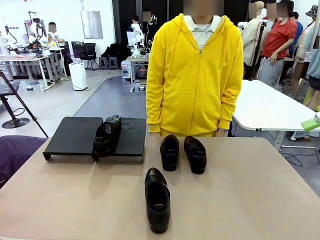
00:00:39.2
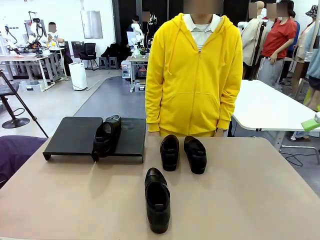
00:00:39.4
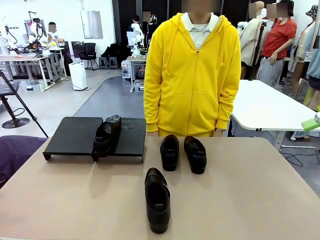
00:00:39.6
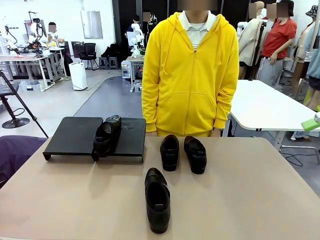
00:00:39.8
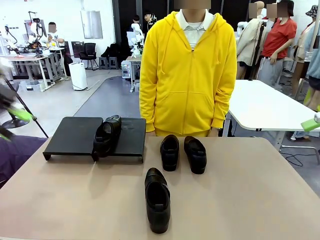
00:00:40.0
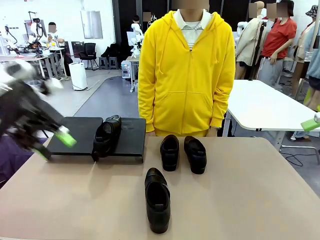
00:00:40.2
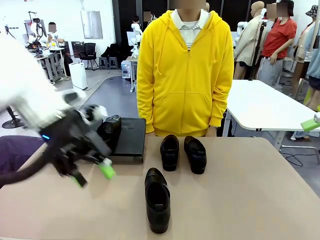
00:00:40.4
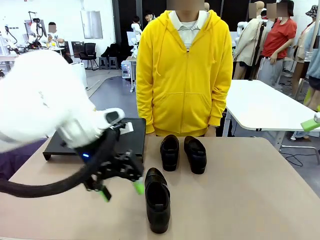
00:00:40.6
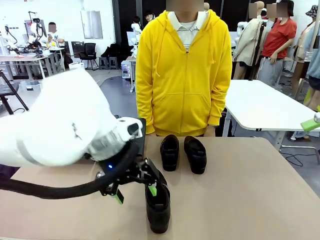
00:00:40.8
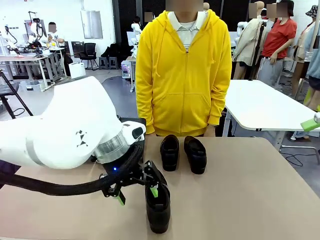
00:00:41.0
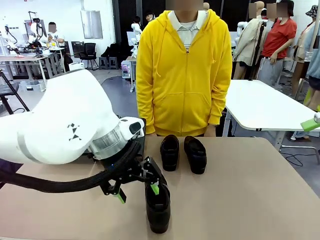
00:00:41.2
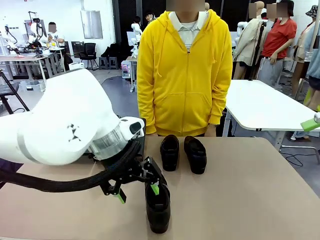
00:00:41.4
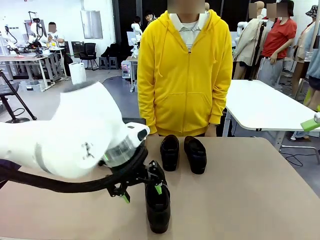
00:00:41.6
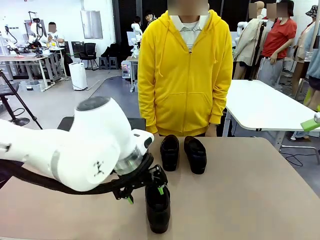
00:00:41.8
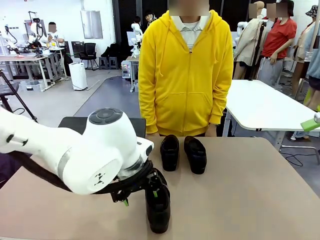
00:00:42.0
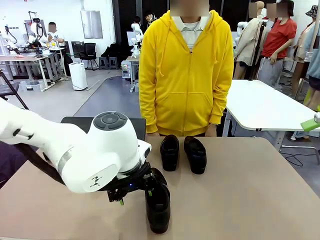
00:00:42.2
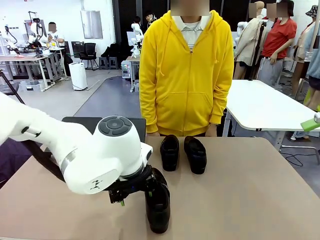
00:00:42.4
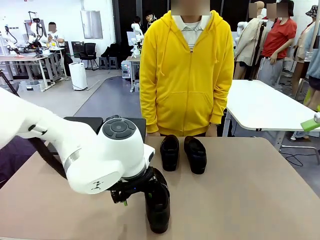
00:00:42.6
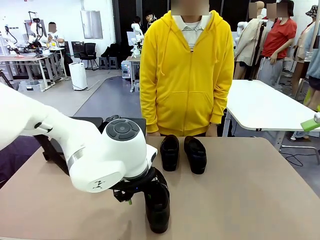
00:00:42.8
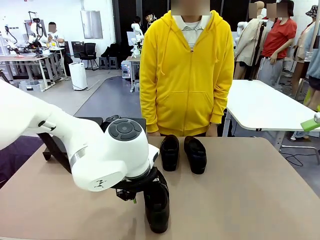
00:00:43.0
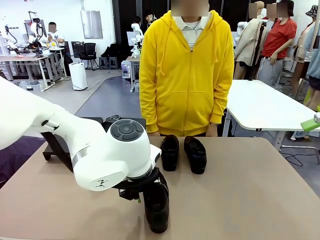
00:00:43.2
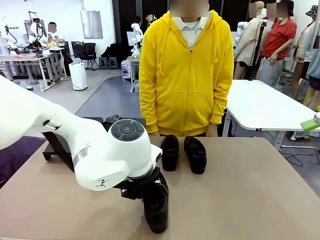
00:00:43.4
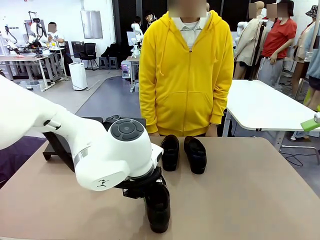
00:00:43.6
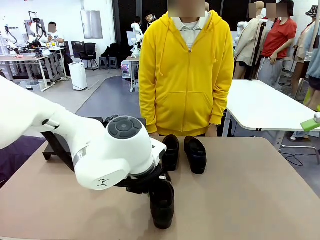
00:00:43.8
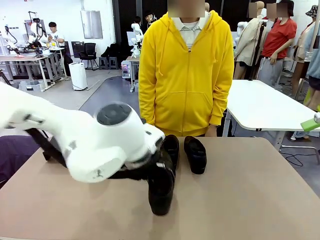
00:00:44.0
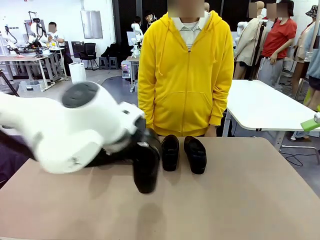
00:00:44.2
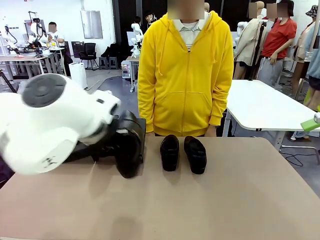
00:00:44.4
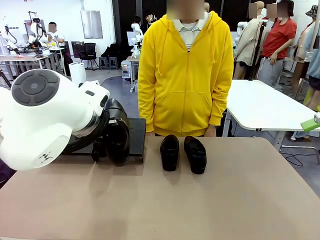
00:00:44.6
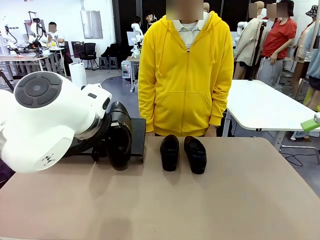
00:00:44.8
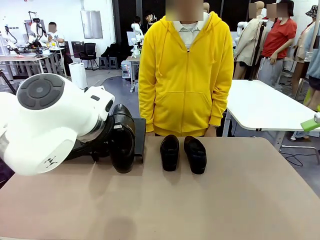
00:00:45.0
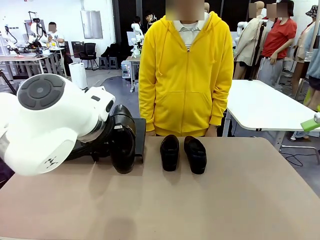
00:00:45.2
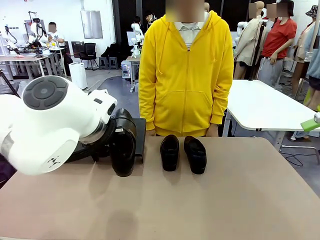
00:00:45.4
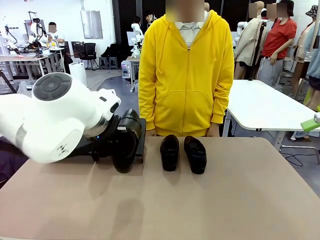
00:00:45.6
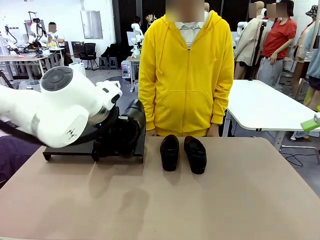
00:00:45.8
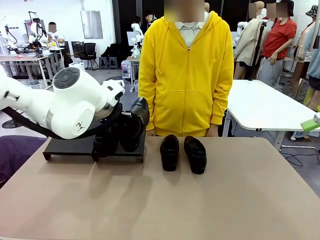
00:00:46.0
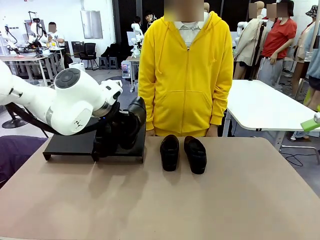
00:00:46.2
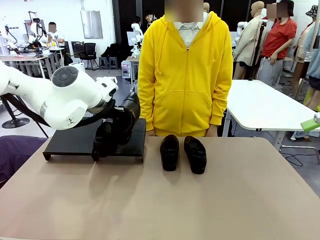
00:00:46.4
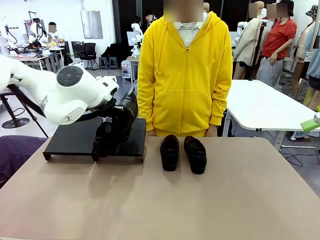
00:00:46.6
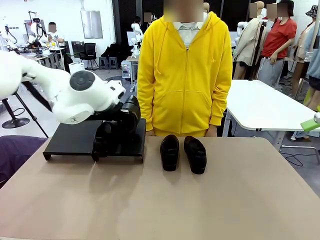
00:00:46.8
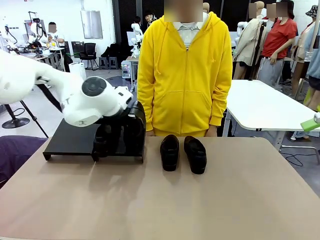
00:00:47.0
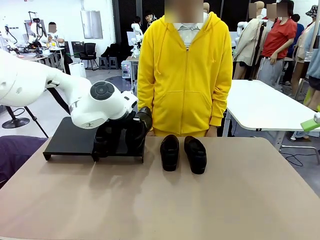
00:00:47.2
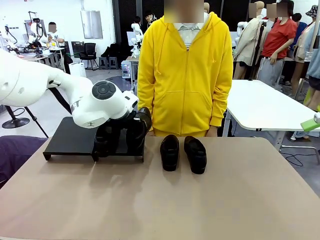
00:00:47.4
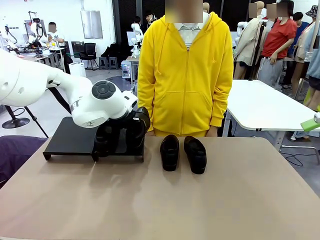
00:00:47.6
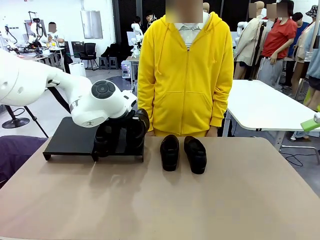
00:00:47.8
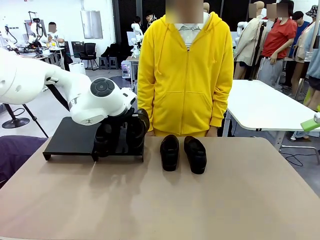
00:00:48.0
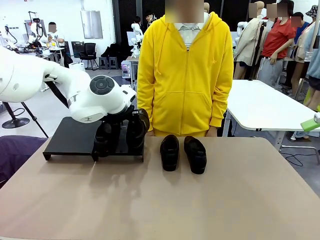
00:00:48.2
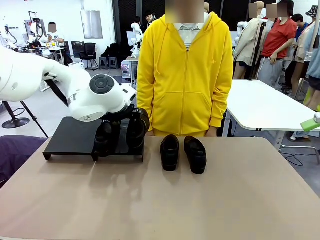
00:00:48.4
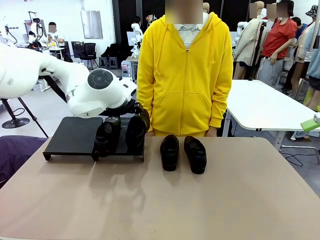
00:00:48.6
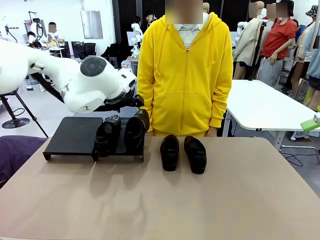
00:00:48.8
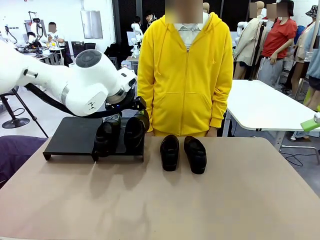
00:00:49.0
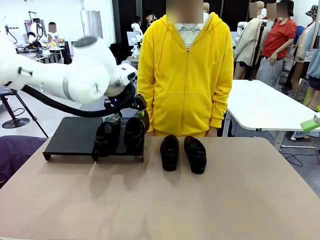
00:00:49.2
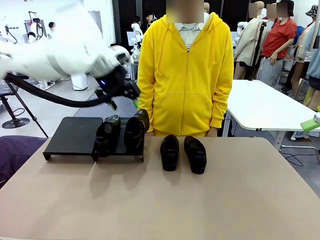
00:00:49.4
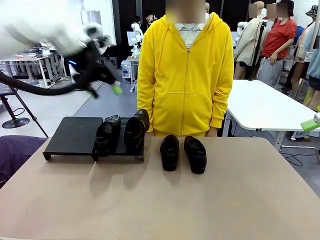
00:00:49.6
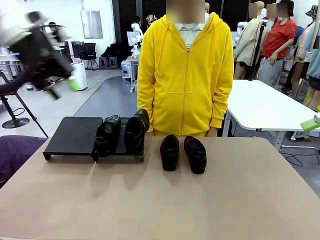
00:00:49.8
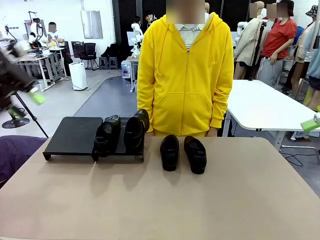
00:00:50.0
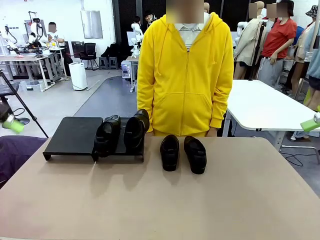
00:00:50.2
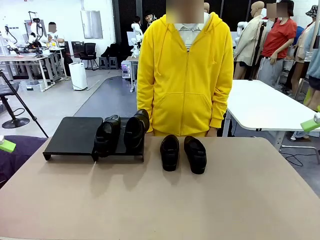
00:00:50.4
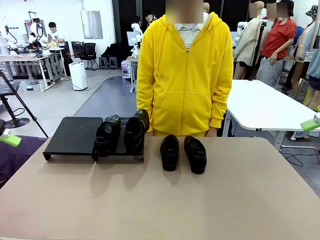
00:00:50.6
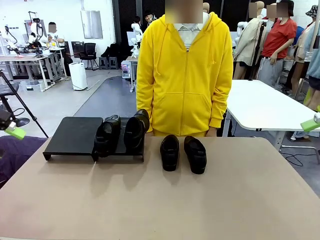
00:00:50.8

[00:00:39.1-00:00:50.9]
Task: Organize the shoes by placing them on the stand.
Robot: Place the Shoe from the middle of the table onto the Shoes Stand.

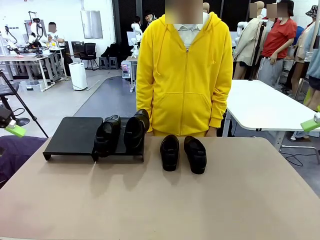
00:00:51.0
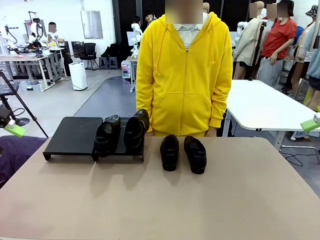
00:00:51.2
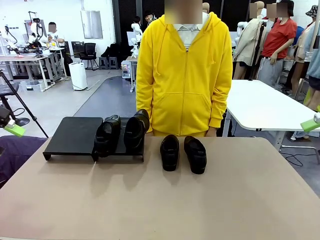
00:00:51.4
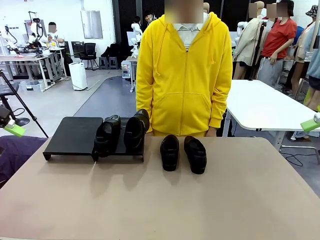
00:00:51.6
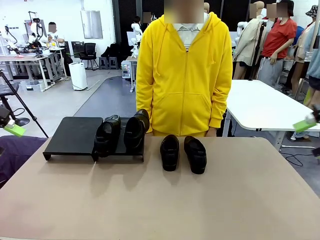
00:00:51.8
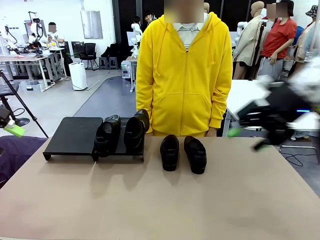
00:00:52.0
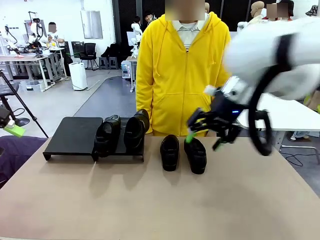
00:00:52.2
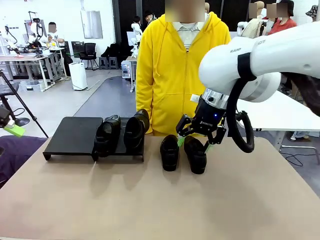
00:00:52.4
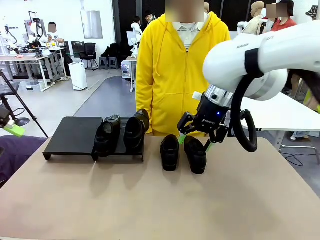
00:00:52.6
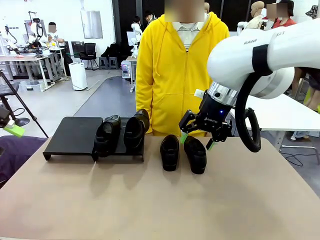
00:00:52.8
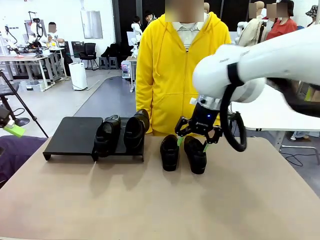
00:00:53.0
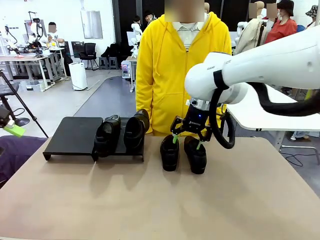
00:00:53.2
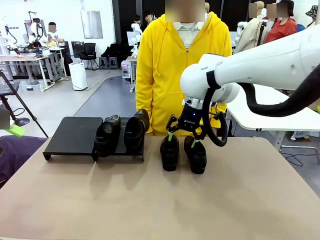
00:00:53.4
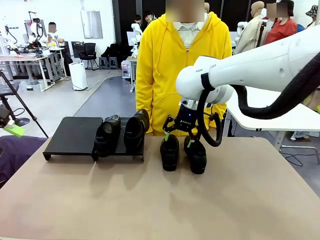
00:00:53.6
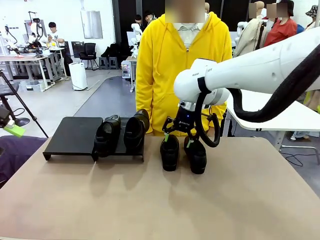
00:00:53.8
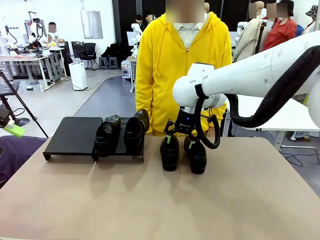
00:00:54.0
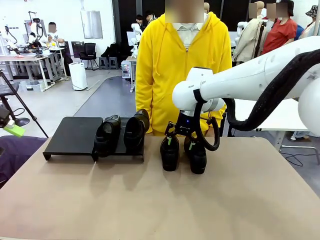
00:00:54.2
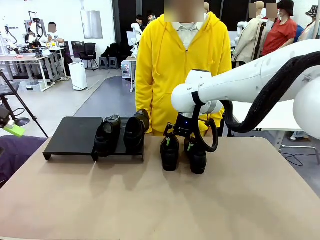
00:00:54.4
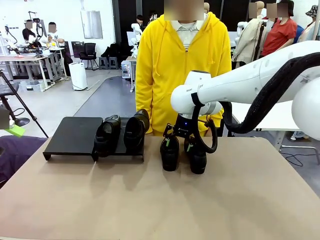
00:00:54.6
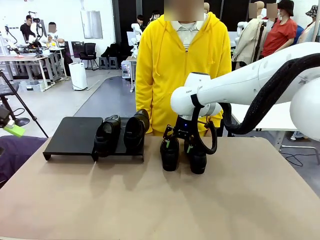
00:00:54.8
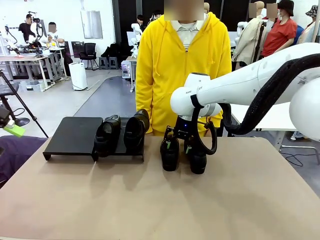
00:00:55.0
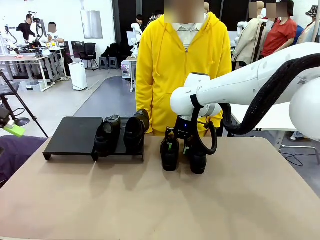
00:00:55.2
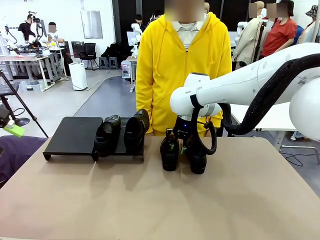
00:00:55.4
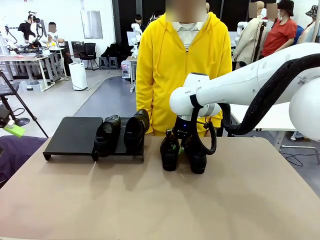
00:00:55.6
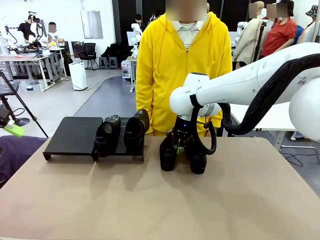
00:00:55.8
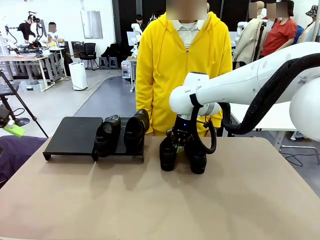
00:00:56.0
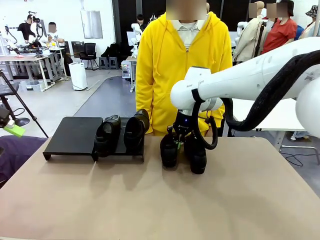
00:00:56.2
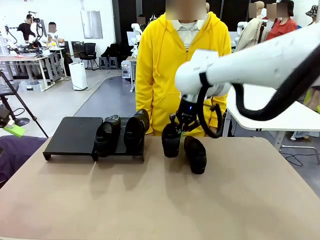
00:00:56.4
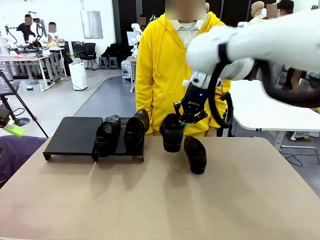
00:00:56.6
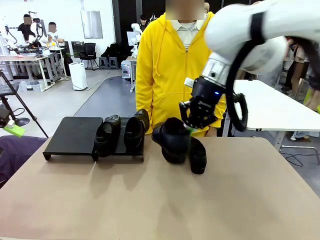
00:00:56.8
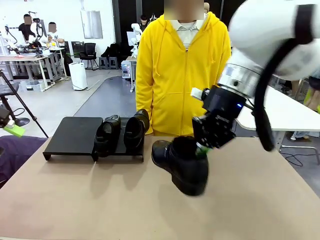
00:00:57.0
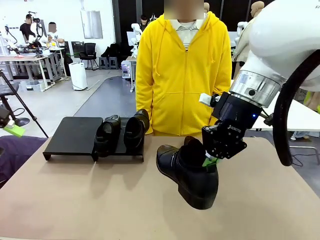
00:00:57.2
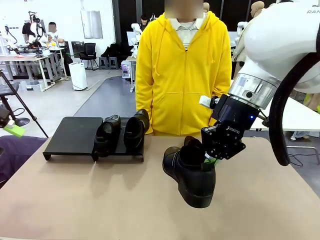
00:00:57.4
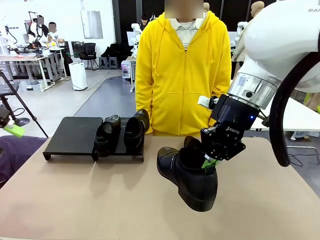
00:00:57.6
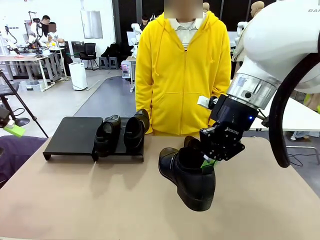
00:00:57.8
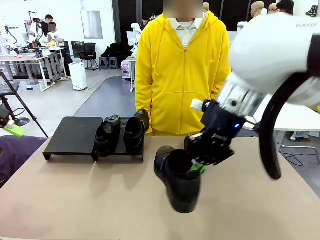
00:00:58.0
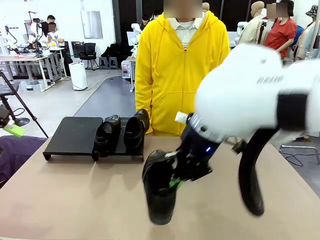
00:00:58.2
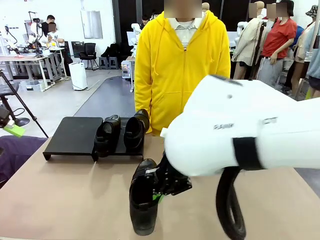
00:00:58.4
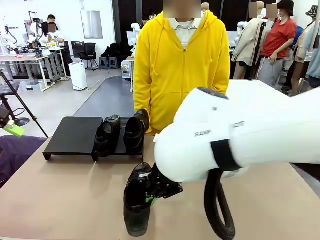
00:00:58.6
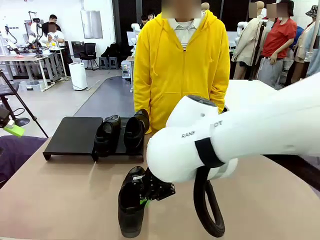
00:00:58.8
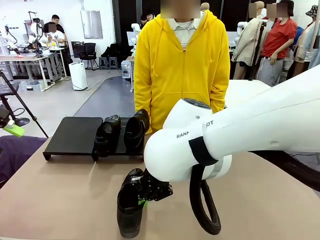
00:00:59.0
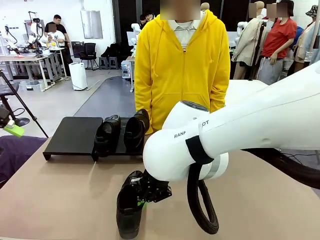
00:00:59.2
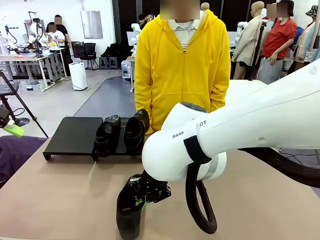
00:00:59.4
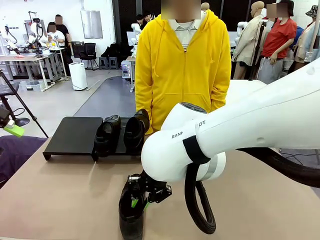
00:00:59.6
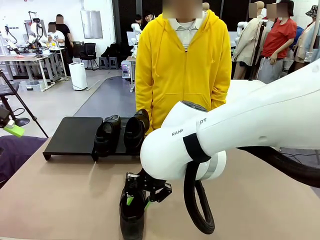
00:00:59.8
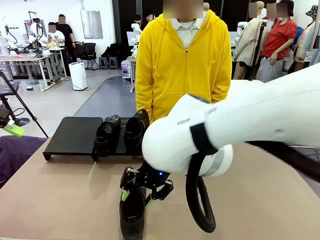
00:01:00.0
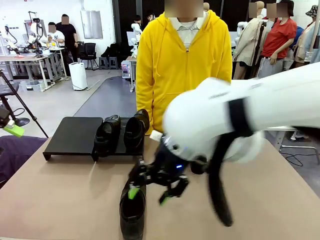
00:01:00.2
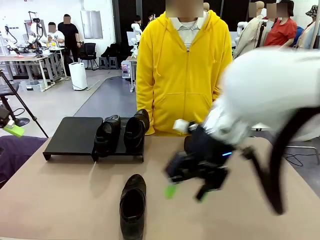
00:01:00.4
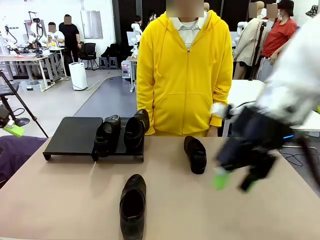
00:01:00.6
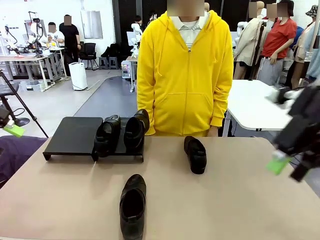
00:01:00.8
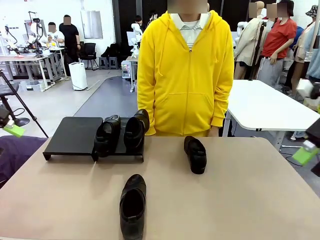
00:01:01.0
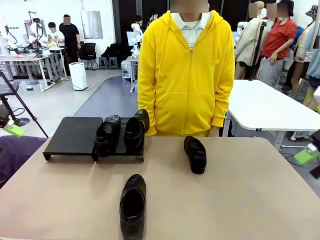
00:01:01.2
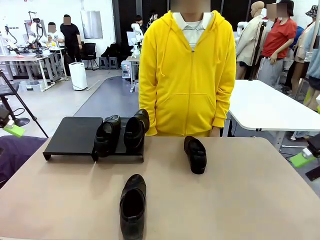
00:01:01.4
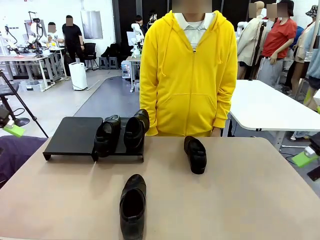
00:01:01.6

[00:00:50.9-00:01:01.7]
Robot: Pick up one Shoe and place it in the middle of the table.
